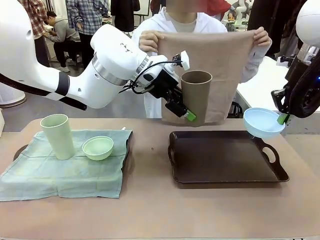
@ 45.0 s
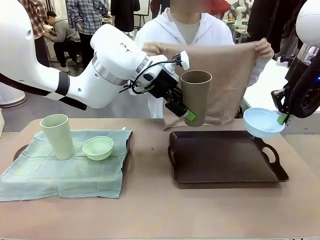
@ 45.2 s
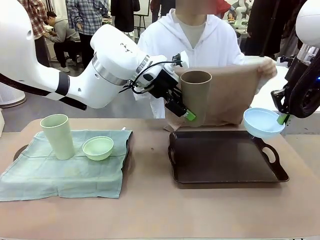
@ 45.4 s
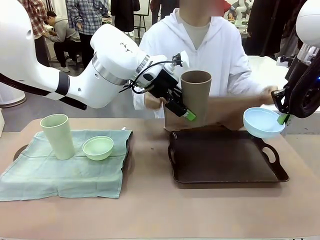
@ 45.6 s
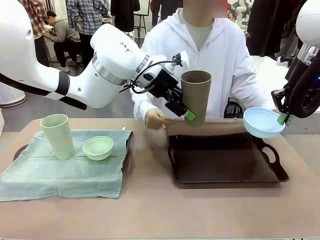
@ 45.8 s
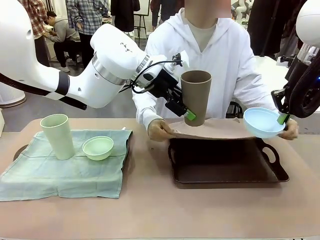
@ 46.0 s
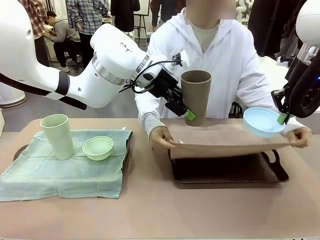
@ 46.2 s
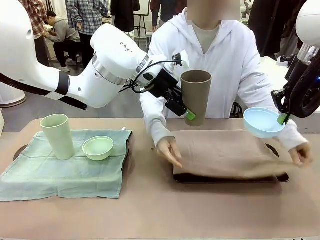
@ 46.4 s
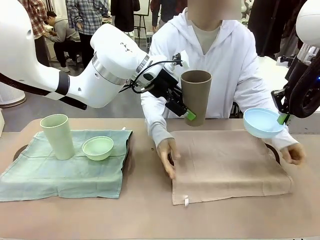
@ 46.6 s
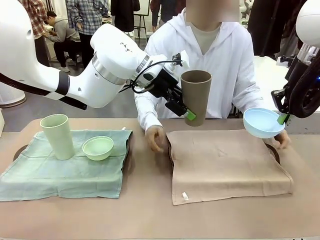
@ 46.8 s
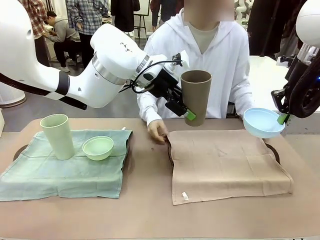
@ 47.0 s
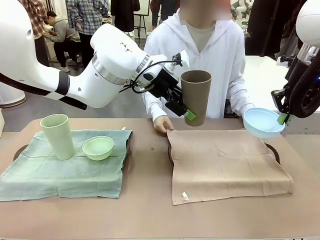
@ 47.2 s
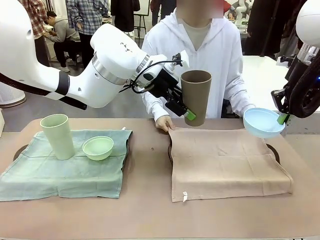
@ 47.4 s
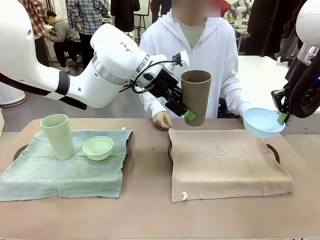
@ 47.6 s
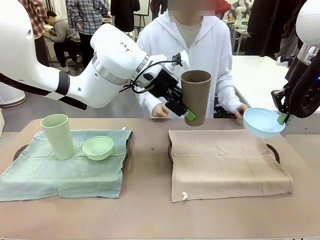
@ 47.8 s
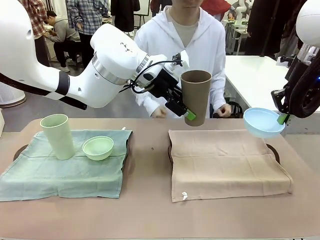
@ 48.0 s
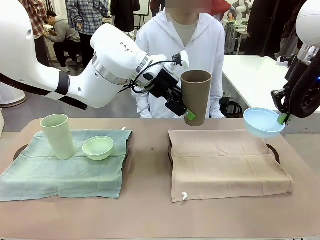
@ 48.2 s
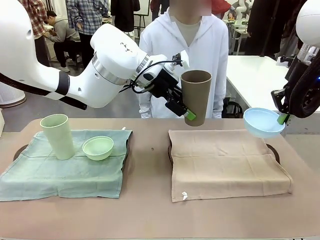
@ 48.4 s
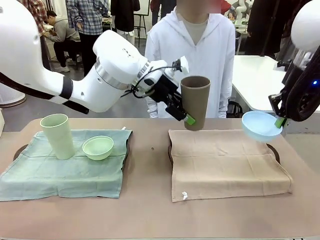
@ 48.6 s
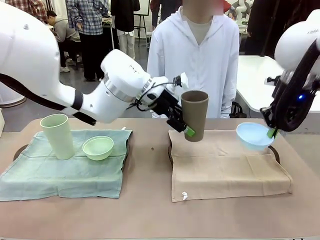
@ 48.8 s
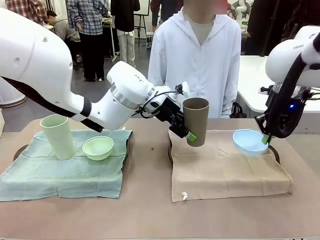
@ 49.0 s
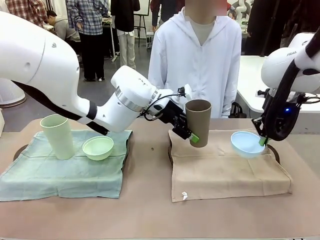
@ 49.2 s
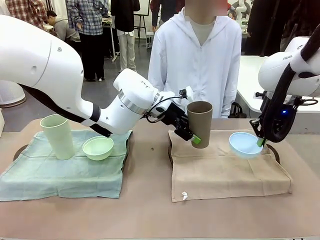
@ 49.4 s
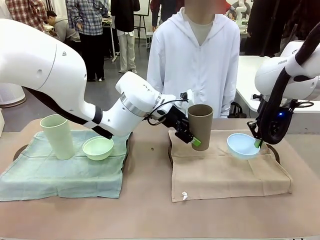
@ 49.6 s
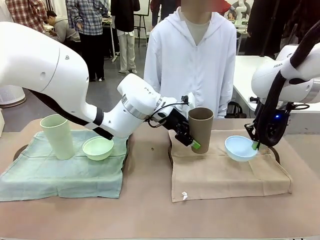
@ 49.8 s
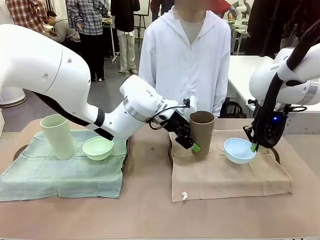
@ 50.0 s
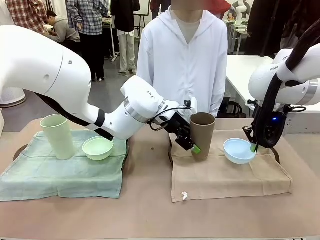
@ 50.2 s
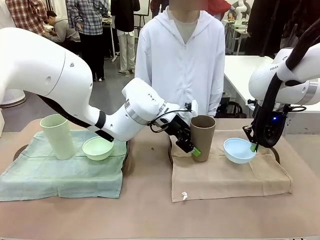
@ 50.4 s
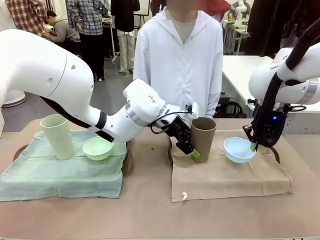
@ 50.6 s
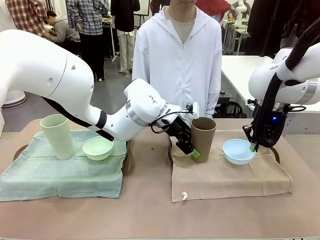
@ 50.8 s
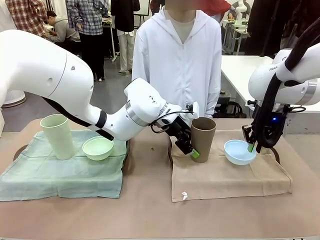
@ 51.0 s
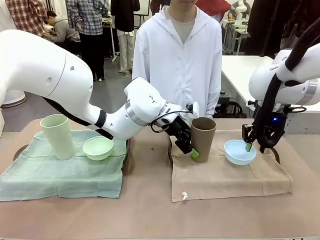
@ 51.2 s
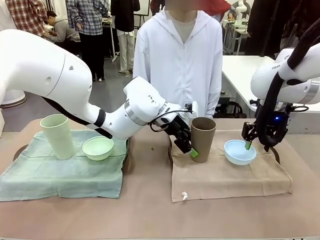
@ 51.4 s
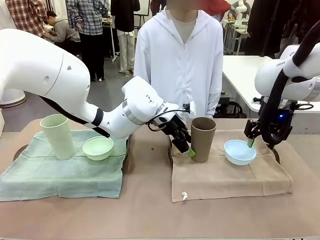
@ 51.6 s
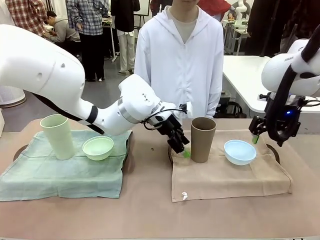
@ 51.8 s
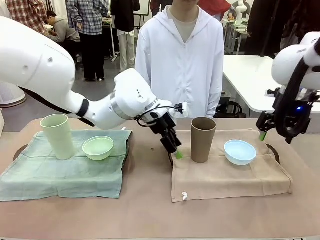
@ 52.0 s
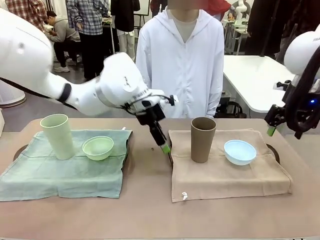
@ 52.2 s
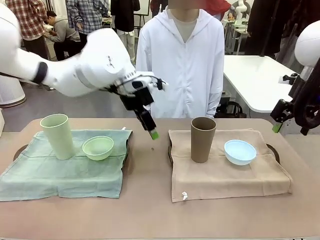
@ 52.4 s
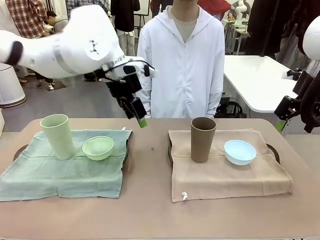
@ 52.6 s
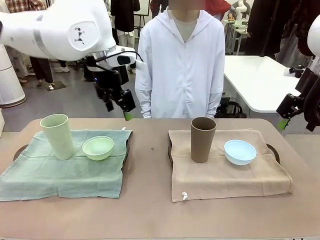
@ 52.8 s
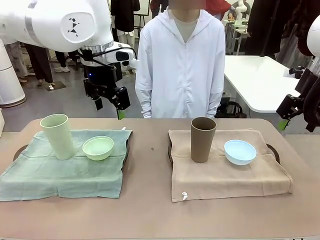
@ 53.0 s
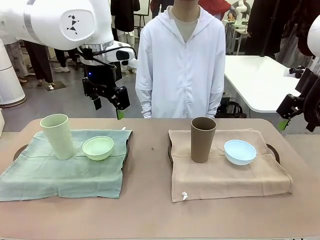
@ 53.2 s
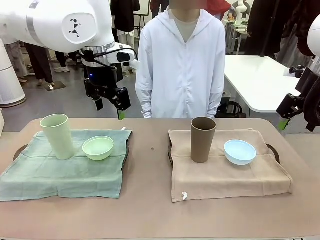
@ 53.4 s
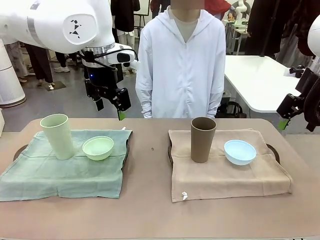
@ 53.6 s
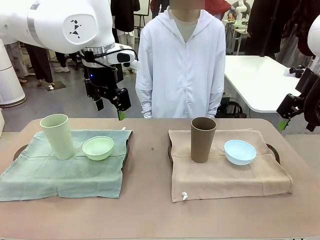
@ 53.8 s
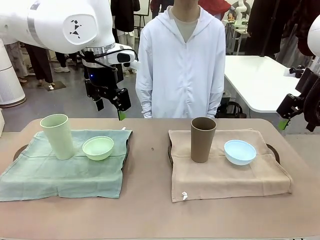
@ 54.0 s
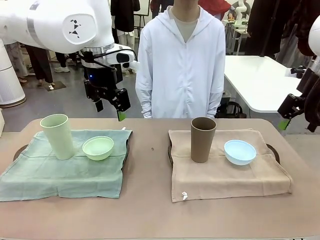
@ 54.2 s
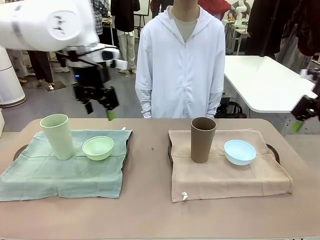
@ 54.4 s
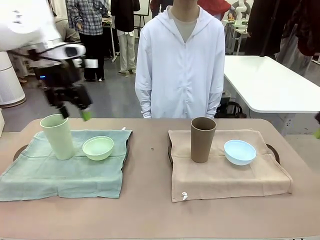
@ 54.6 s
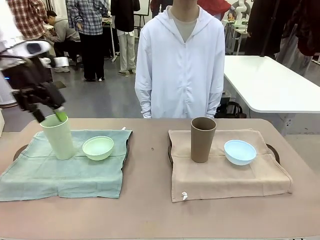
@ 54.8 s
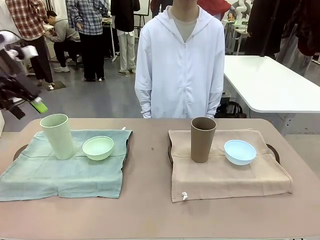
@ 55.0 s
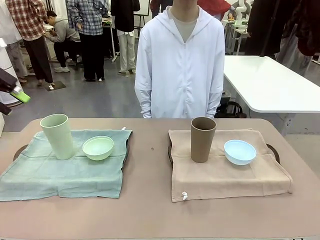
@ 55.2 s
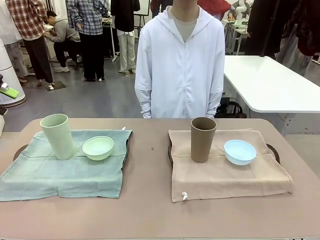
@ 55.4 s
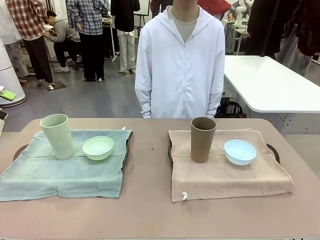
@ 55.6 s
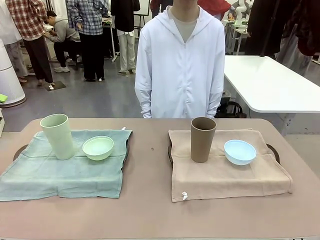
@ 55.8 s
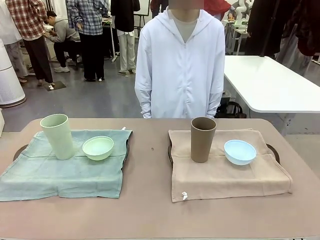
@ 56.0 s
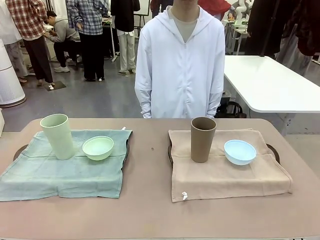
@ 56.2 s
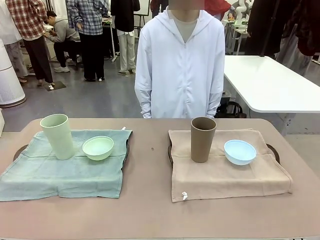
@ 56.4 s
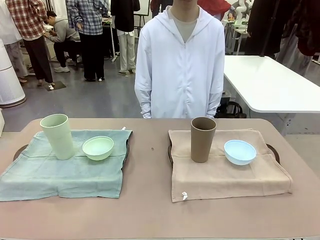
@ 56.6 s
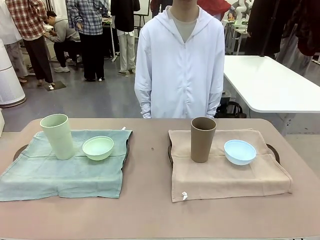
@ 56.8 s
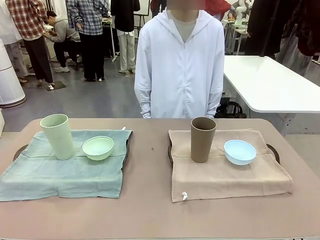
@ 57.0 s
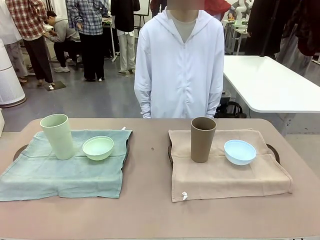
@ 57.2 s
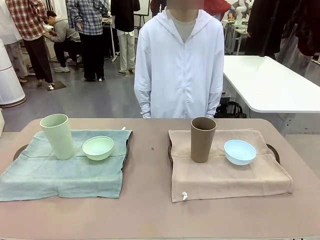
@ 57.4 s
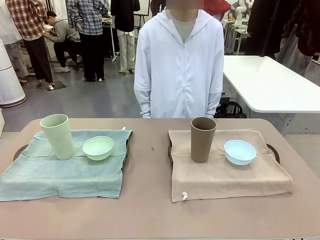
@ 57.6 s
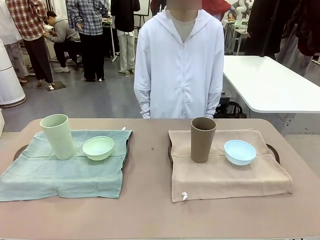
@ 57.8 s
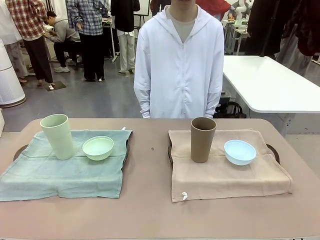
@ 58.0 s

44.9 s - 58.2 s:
Robot: Place the Picnic Bowl and Reusable plastic cup back onto the Handle tray in front of the human's position.
Person: When the robot lifts the bowl and the cup, the human unfolds the napkin and lays the napkin flat on the tray.

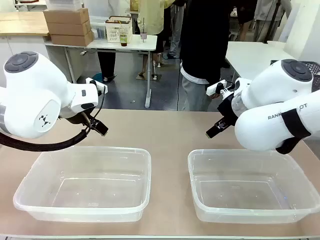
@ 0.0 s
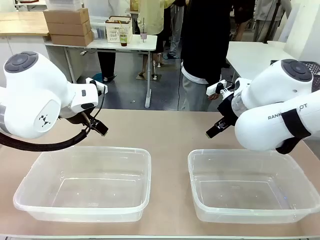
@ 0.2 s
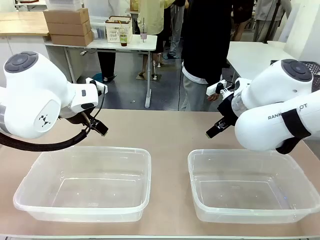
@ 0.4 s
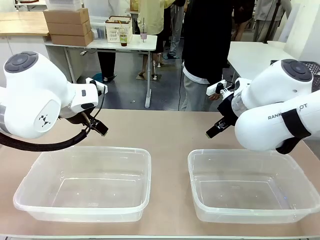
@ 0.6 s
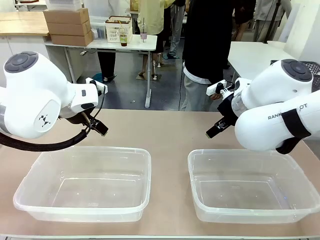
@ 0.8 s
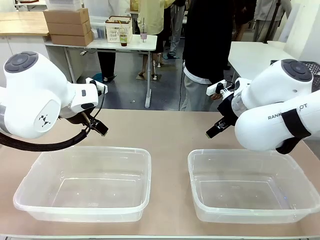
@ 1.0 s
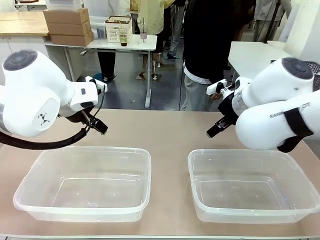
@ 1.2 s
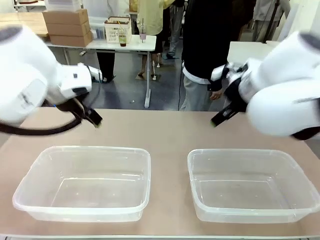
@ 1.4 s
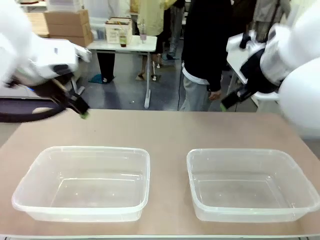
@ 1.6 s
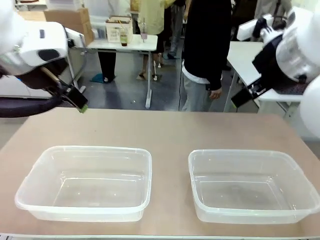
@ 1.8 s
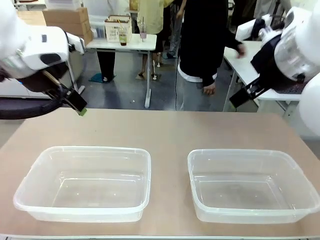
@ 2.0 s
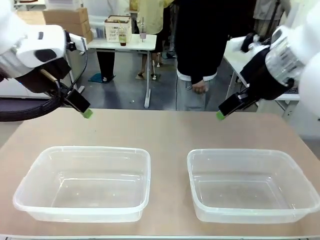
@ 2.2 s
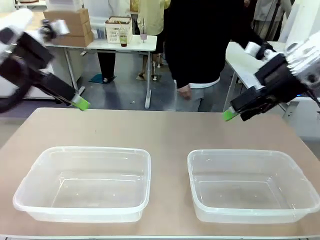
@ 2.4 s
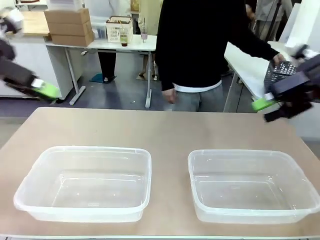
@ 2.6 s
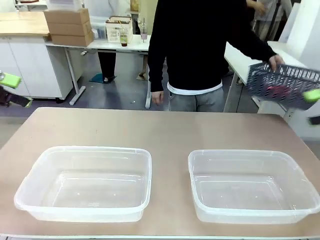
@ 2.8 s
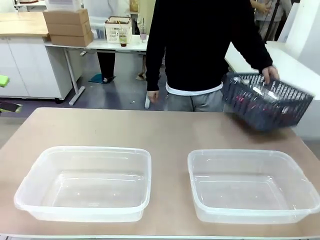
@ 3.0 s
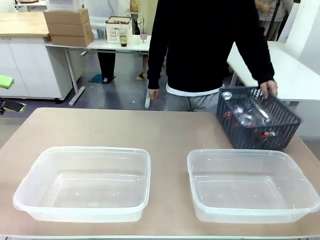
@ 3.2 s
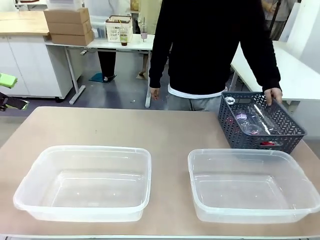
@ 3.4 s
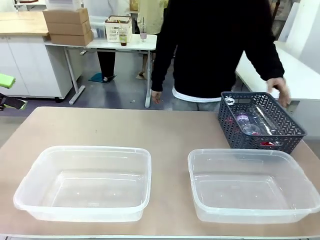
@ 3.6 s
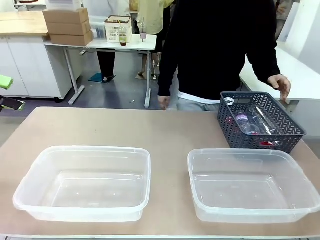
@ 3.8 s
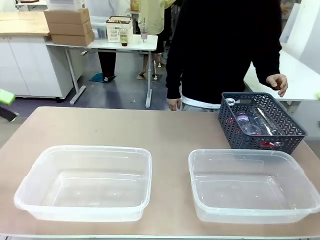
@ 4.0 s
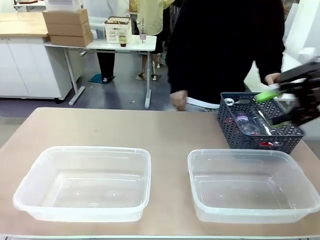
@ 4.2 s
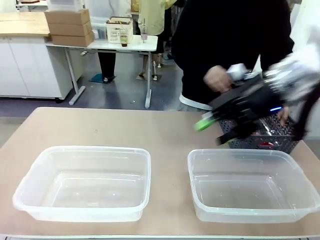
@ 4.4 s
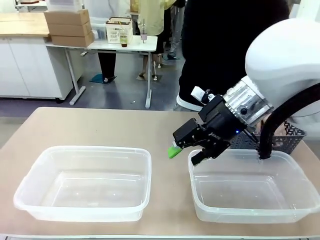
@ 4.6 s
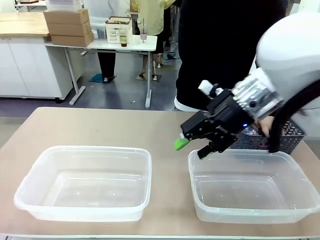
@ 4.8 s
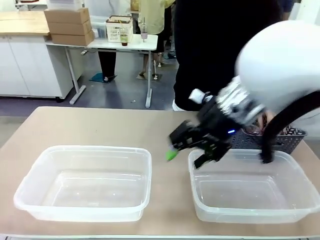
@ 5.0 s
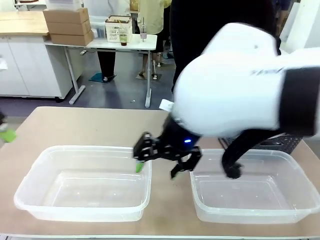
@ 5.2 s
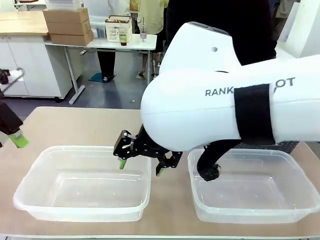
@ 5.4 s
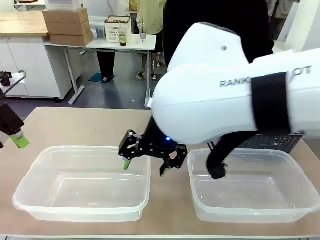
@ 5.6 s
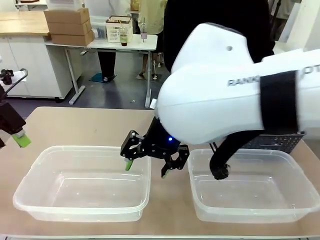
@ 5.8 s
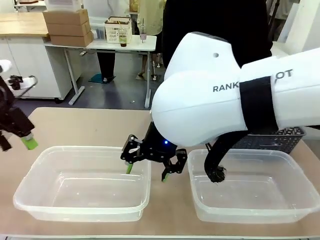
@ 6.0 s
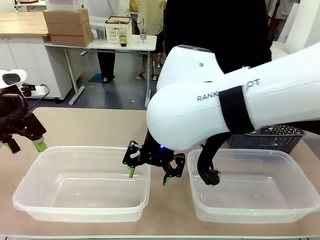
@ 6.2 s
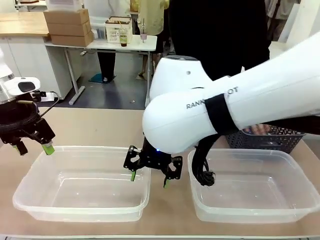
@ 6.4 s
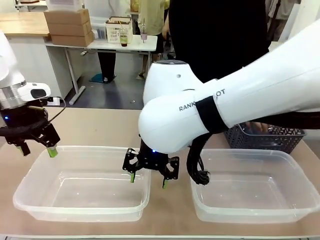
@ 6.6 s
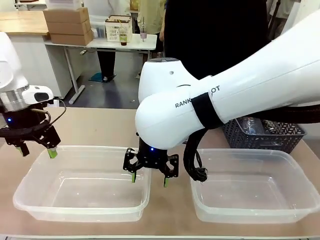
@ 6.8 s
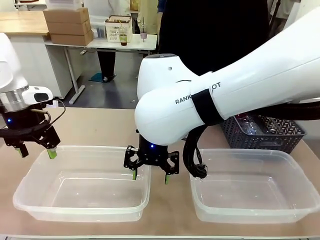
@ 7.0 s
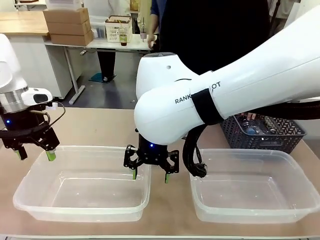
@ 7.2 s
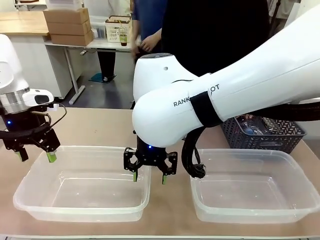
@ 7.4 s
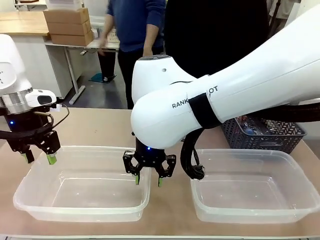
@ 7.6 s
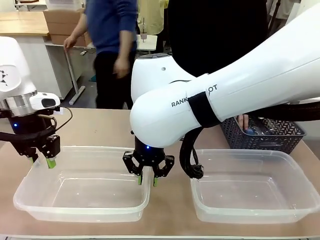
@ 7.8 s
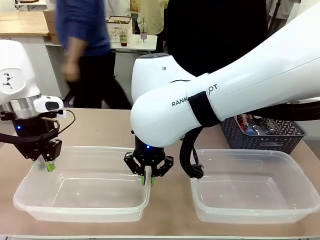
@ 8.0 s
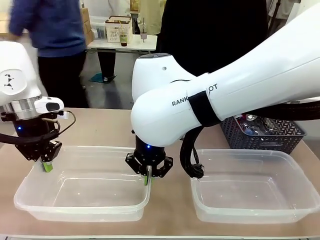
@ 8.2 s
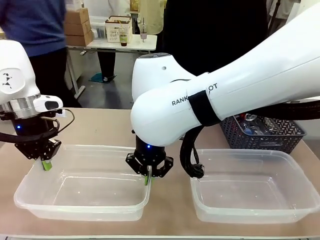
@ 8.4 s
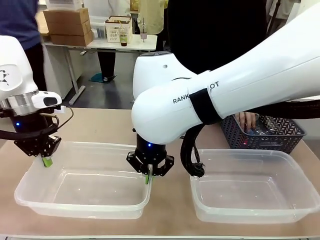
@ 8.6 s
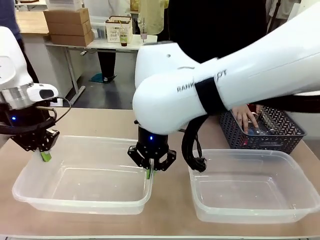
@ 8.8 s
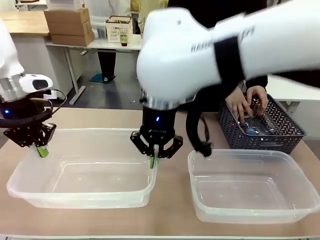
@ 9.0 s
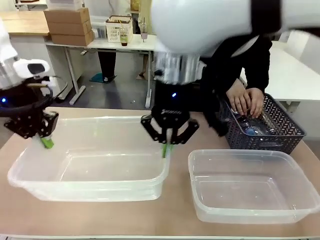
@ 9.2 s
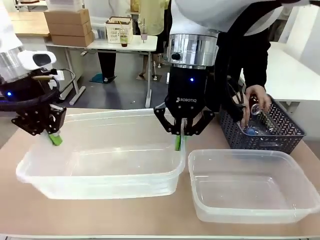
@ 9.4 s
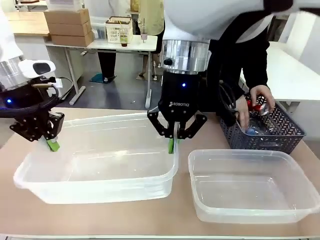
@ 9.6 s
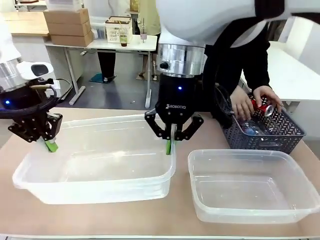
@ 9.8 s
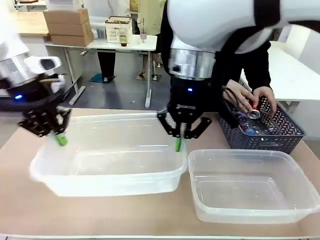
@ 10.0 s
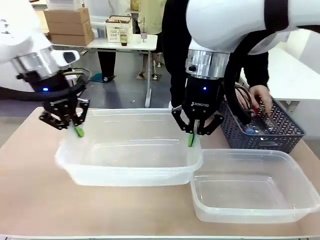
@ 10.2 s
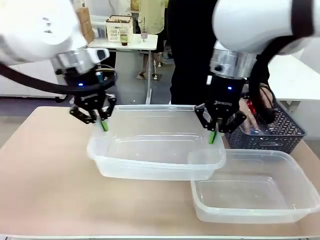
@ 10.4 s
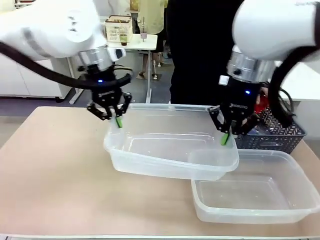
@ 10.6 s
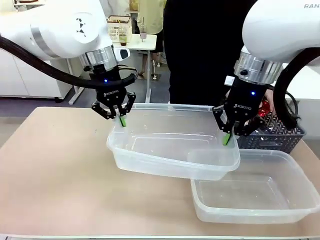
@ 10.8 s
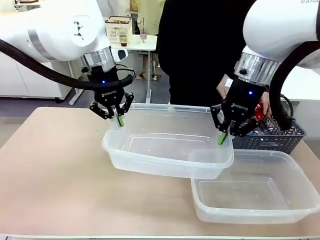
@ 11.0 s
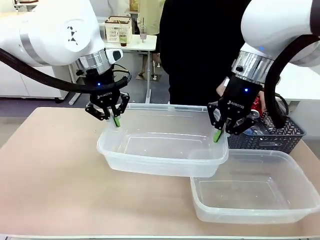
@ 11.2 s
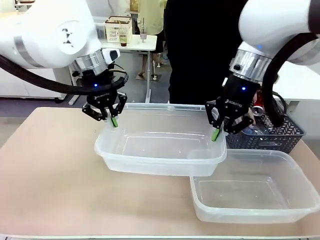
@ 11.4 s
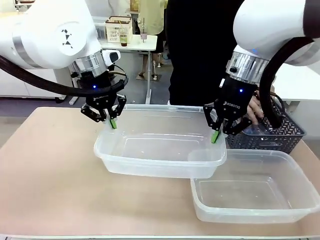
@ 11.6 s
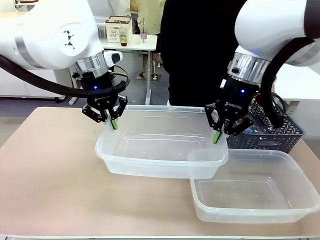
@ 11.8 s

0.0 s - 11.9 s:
Robot: Pick up the Organizing box on the left side of the table and lift it.
Person: Pick up the storage basket and place it on the left side of the robot table. Pick up can-shaped waste one by one and place it into the organizing box lifted by the robot.
